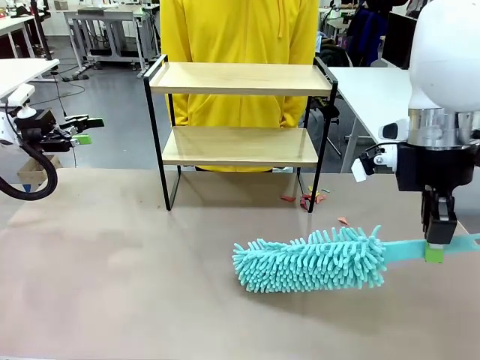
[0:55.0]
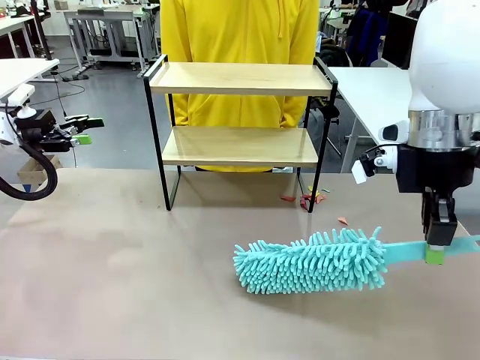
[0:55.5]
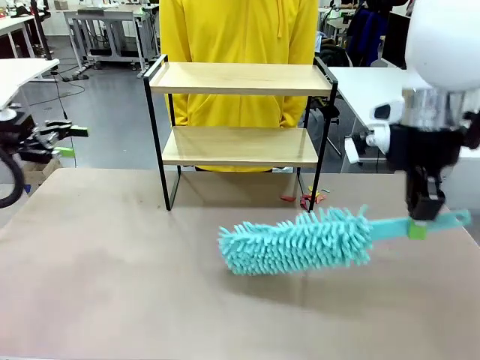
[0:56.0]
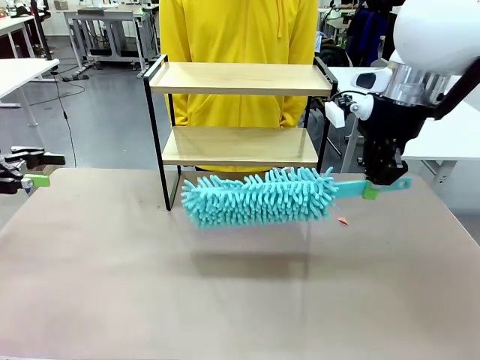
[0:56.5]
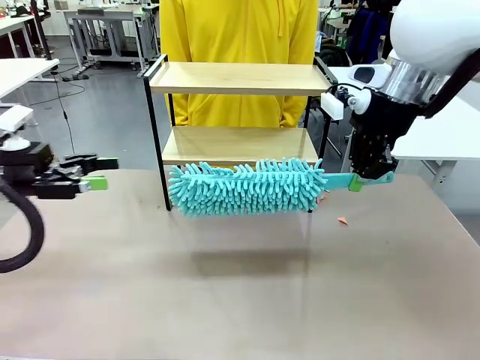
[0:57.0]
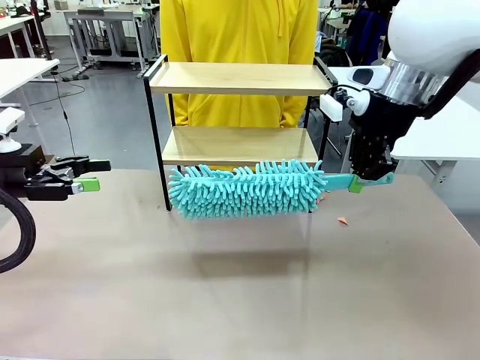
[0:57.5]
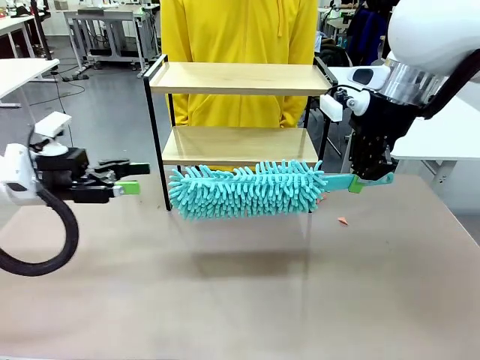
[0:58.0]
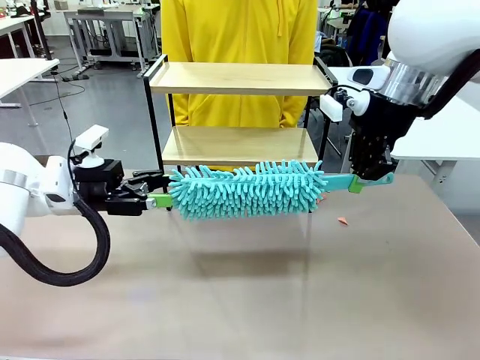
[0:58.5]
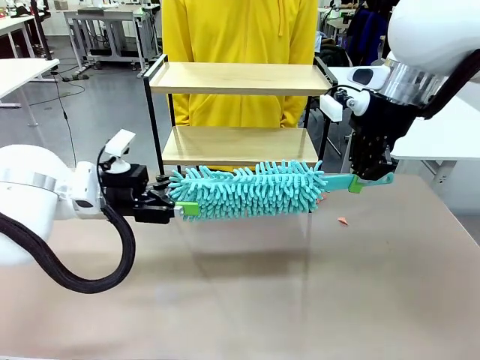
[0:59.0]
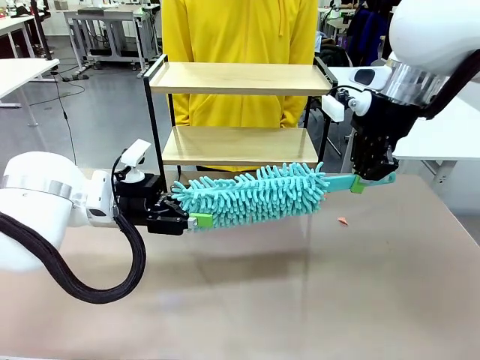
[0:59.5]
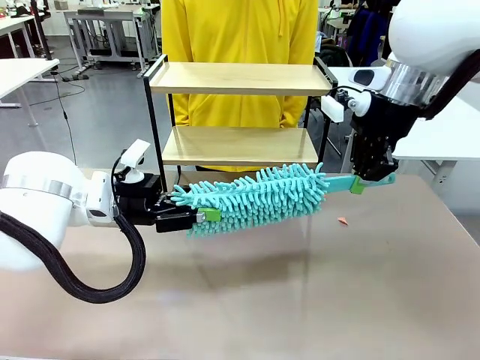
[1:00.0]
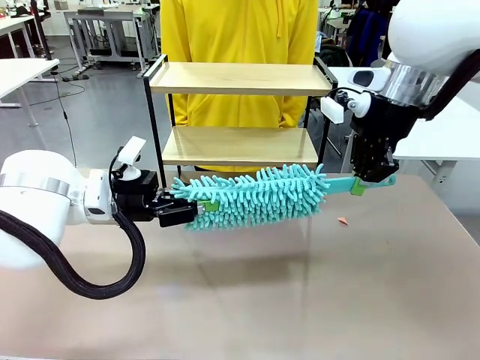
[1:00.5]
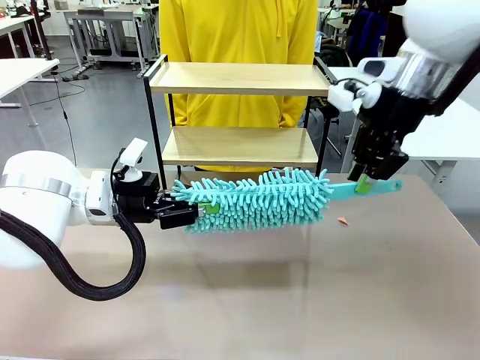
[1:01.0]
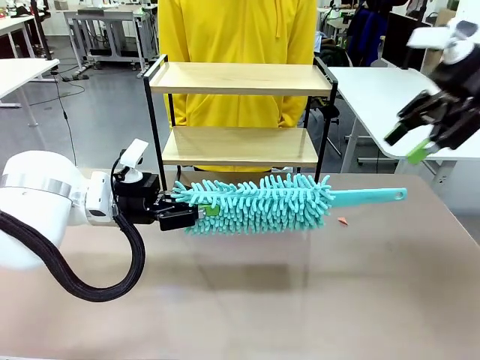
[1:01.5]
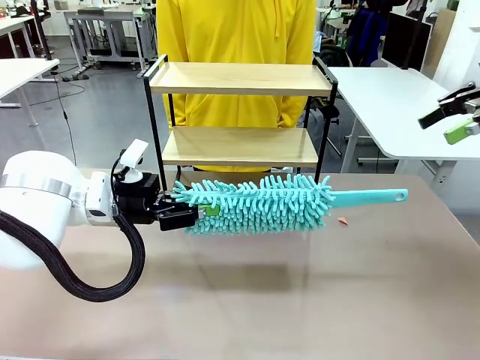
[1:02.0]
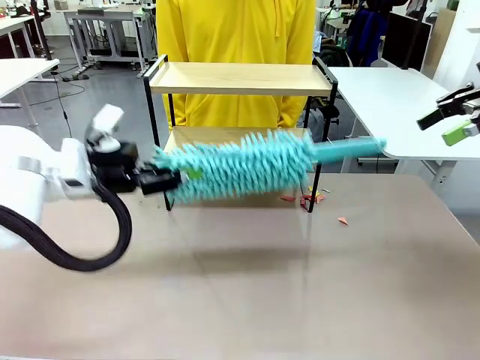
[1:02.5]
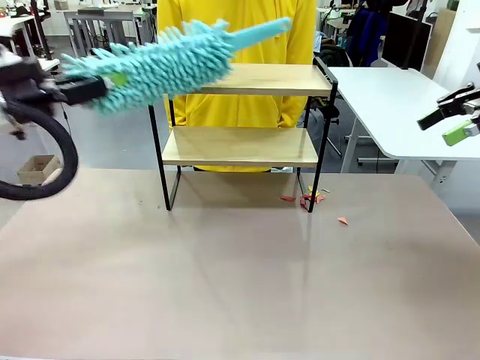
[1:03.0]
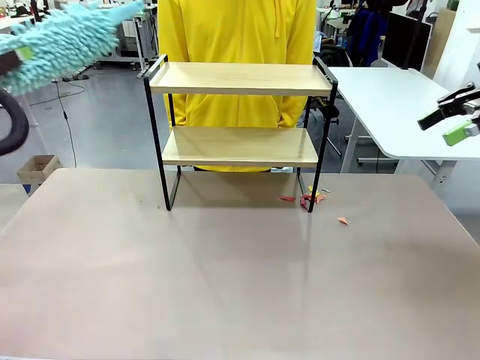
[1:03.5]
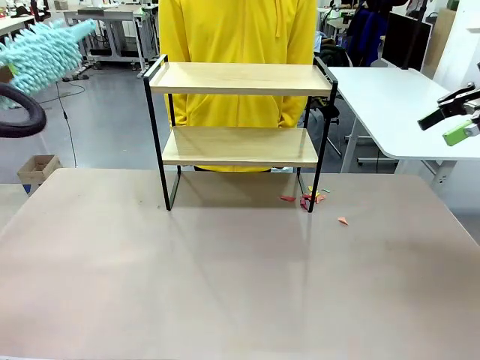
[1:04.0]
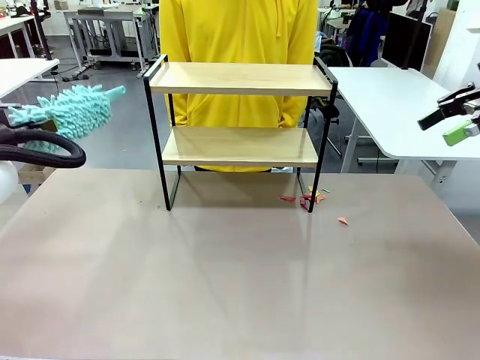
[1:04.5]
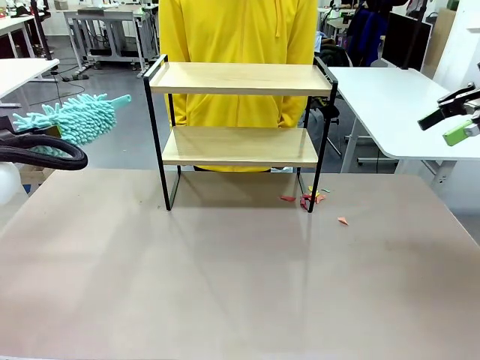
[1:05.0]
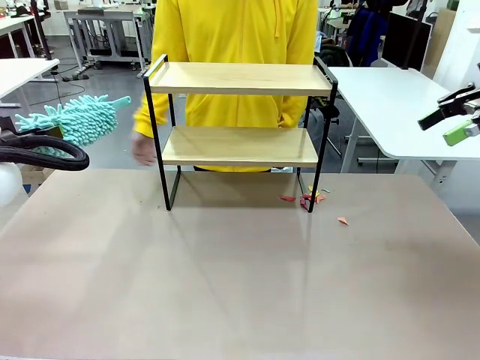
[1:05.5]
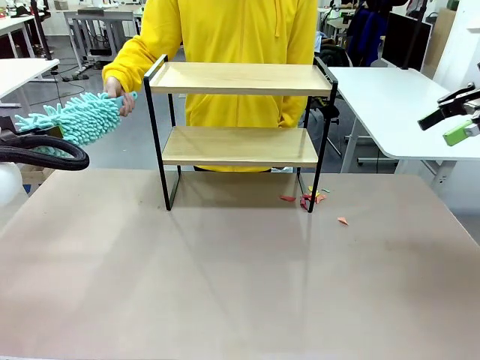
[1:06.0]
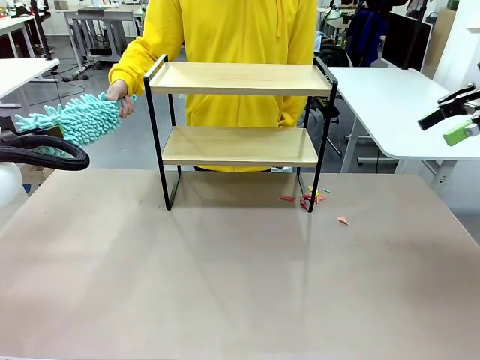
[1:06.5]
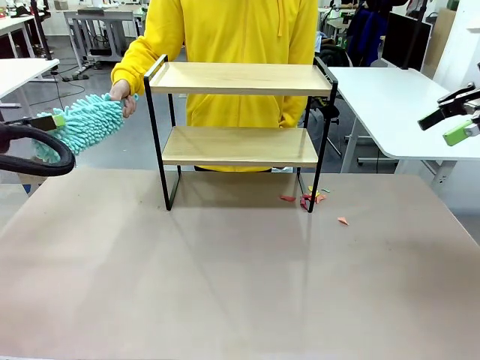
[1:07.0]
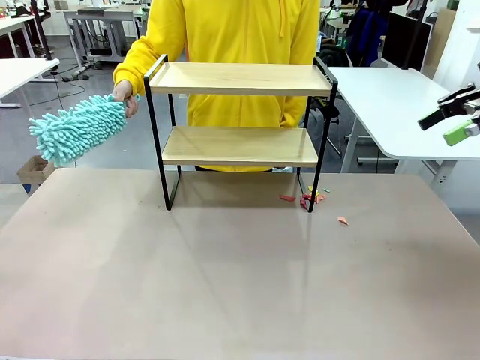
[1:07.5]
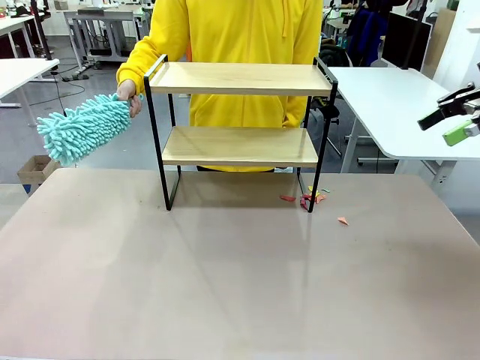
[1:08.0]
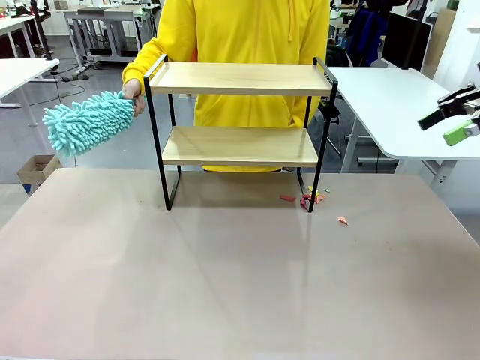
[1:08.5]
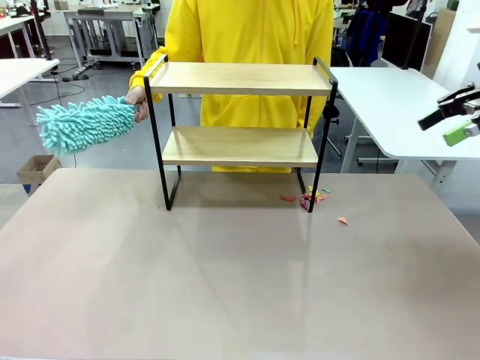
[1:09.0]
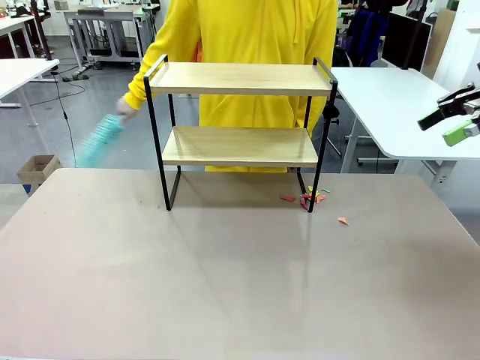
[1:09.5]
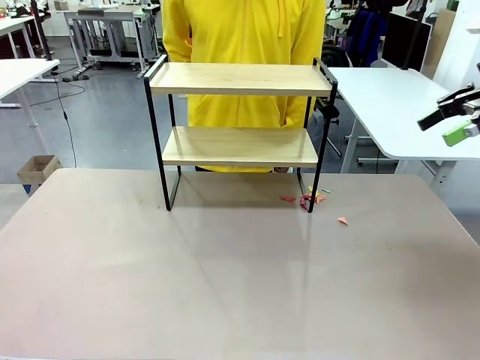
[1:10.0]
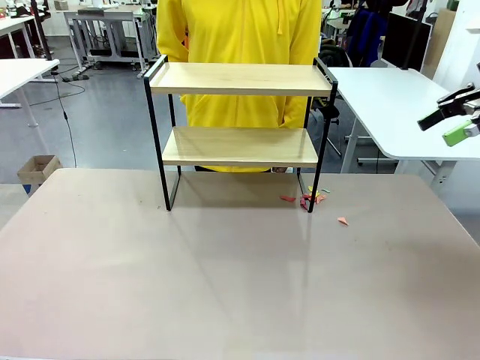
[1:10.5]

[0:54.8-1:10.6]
Task: Clean the shelf.
Robot: Hand the Duster back to the human.
Person: Receive the Duster from the robot.

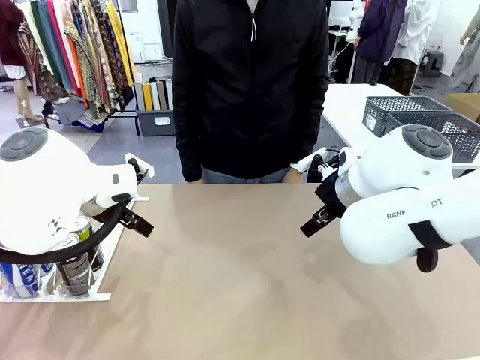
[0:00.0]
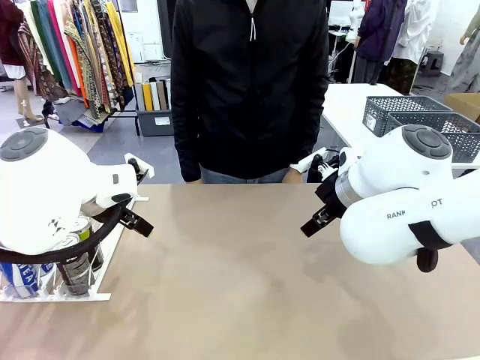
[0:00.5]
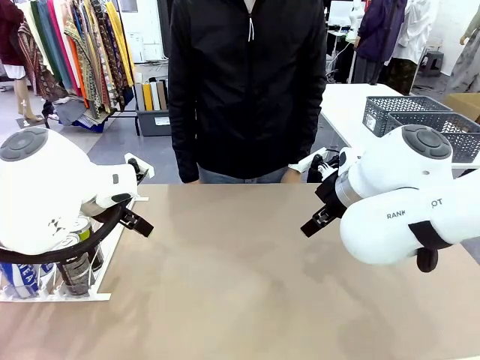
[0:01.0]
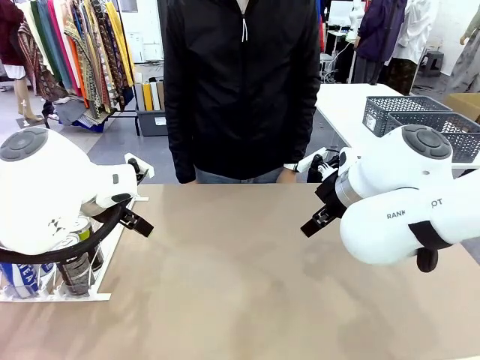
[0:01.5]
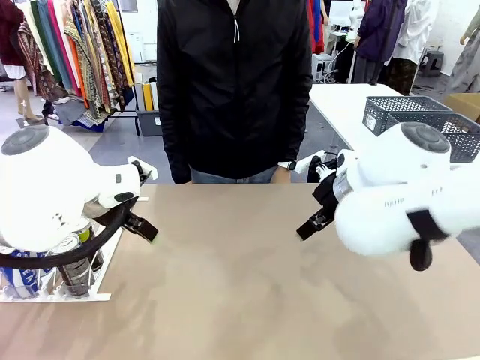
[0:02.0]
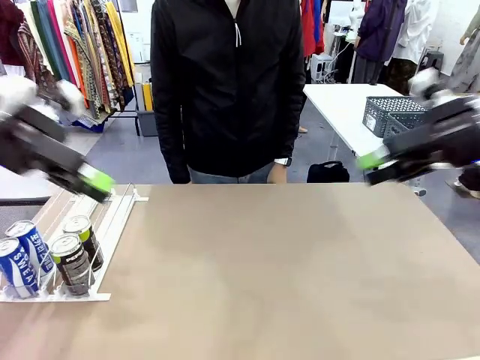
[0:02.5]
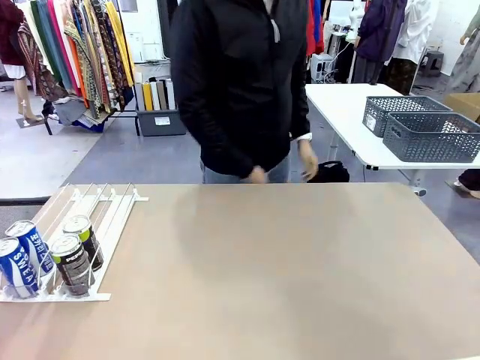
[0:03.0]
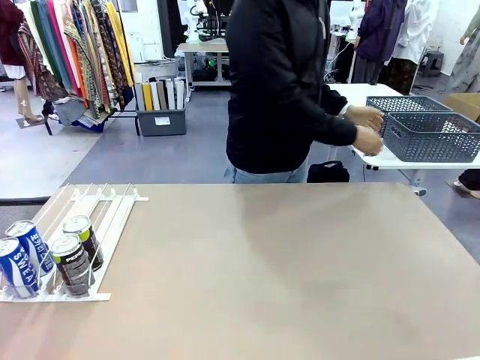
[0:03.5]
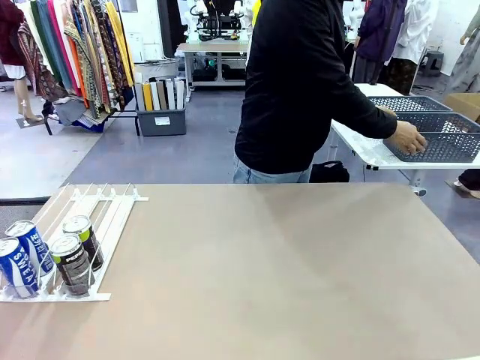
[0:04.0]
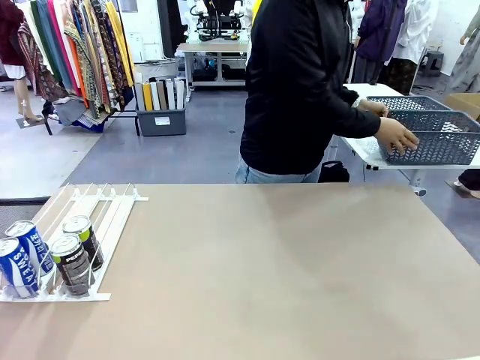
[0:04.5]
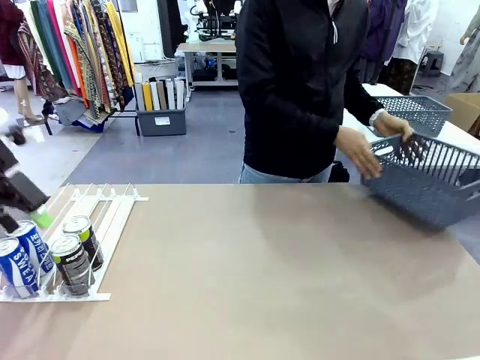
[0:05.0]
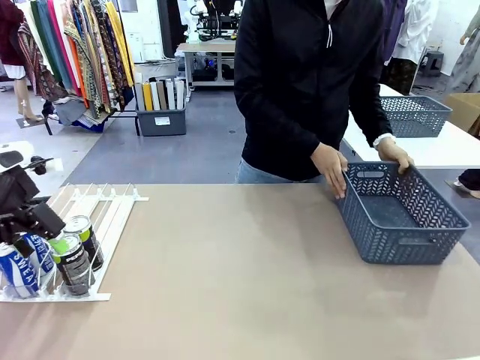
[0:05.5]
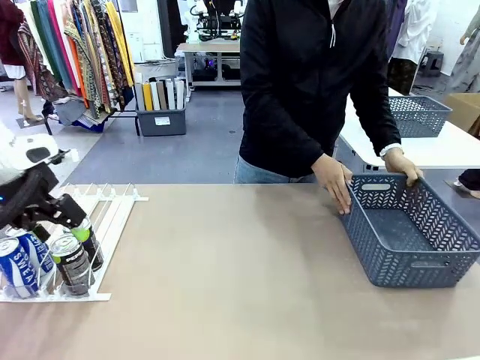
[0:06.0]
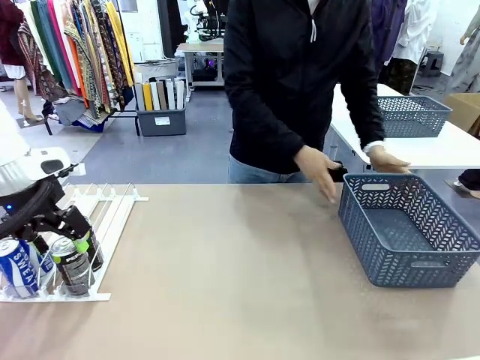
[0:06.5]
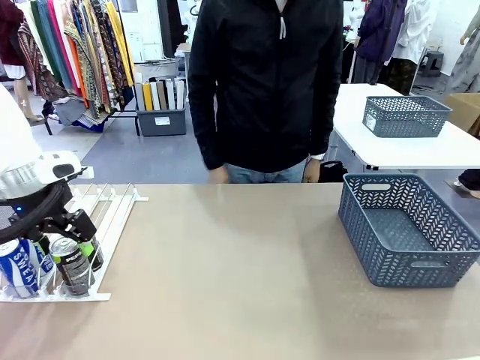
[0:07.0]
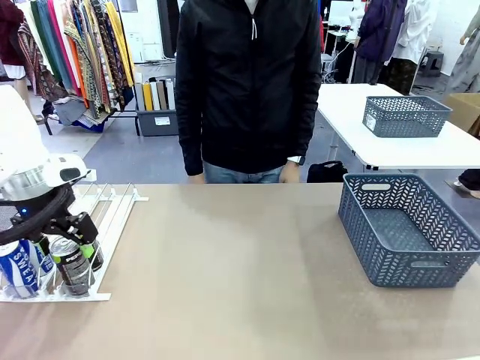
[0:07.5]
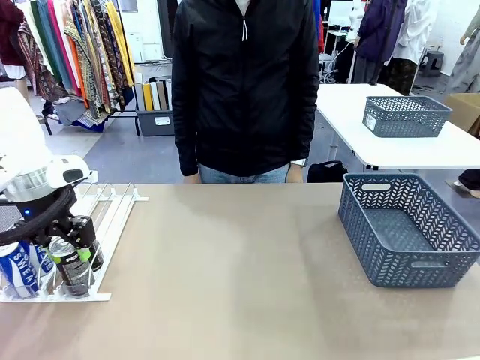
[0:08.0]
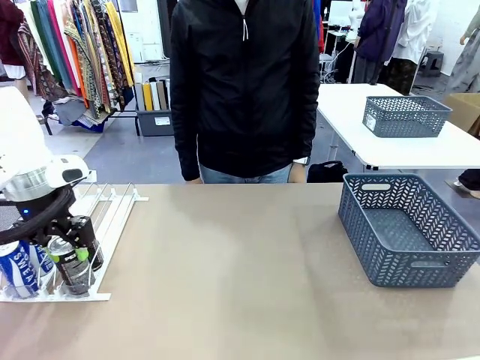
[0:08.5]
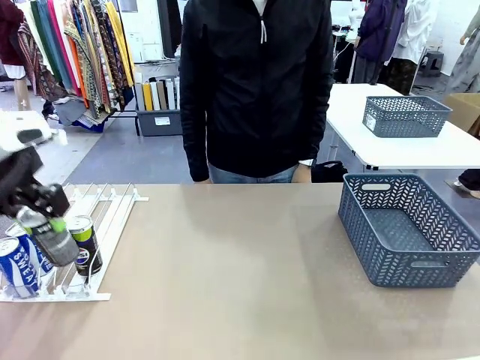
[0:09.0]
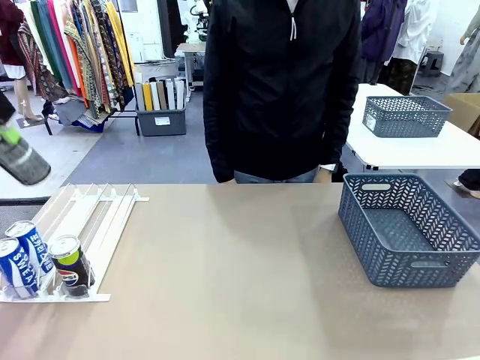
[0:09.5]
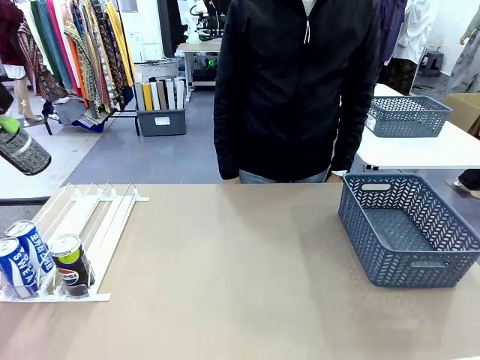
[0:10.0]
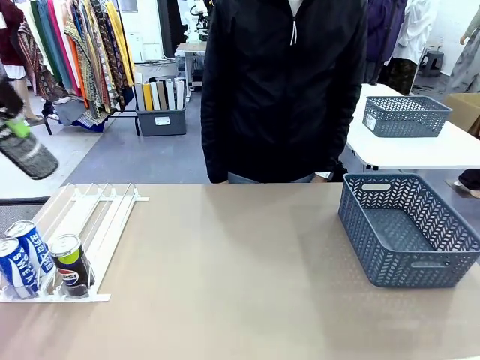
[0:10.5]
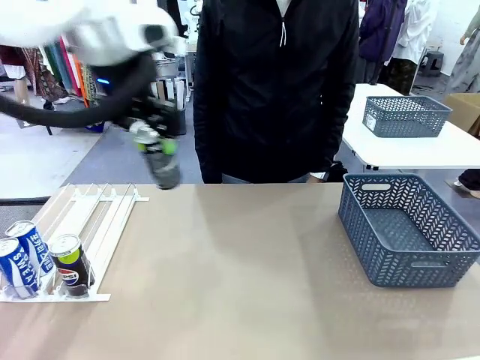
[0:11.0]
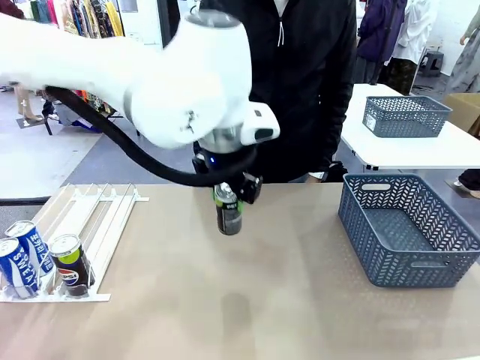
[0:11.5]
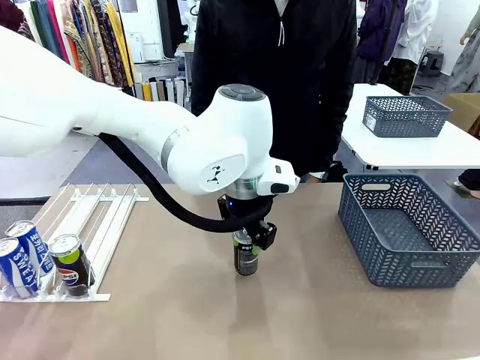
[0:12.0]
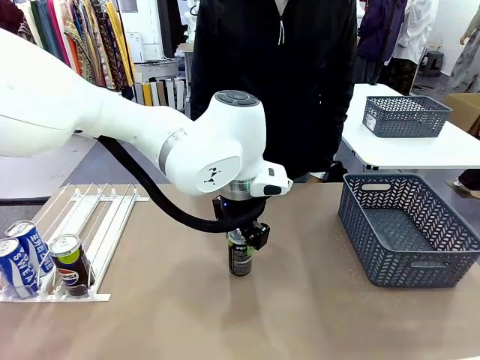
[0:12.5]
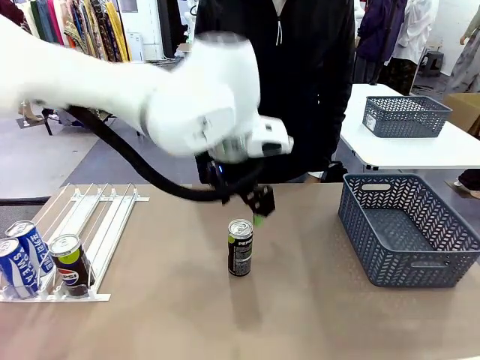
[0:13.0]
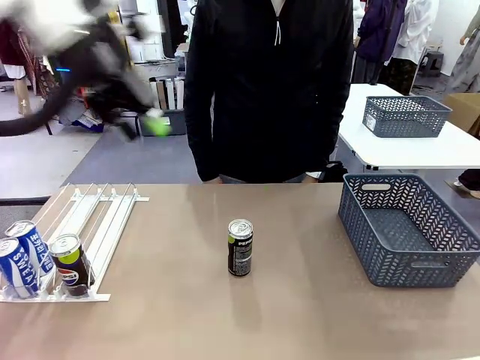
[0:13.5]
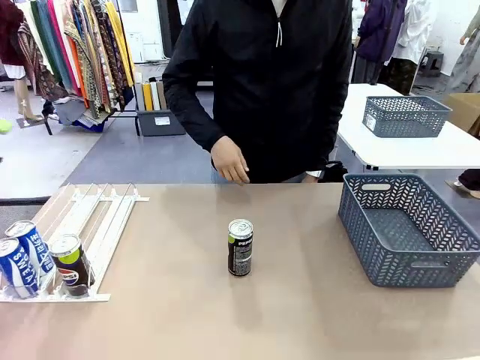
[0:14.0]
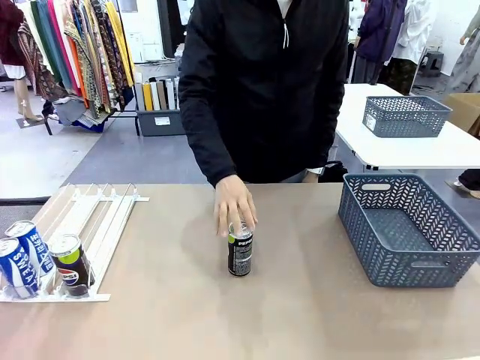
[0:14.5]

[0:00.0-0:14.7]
Task: Retrieve and store the cans from the dispenser.
Robot: Pick up one can from the Automatic Can Dispenser and place it in the middle of the table.
Person: Pick up the basket and place it on the left side of the robot table.
